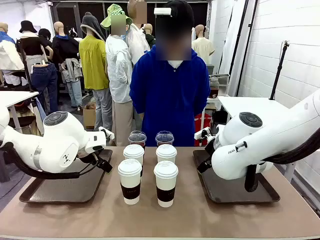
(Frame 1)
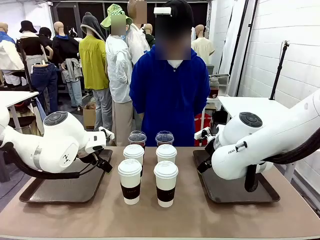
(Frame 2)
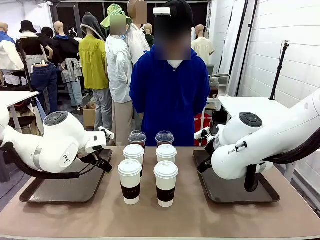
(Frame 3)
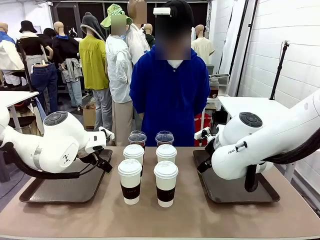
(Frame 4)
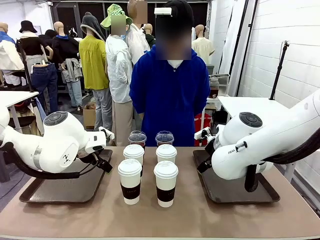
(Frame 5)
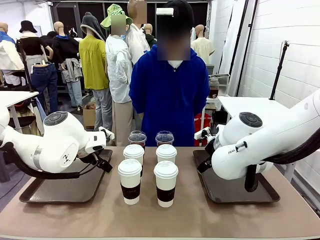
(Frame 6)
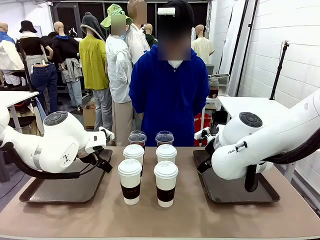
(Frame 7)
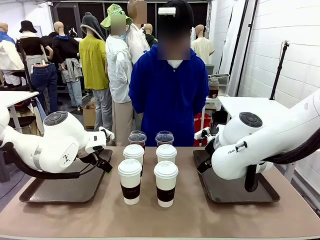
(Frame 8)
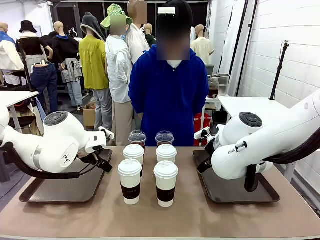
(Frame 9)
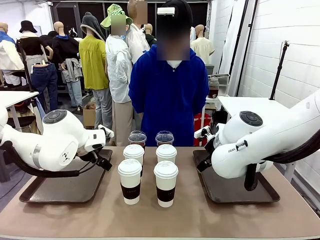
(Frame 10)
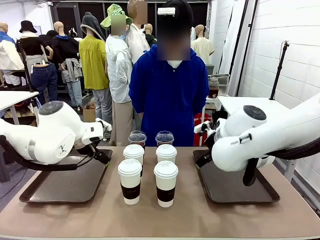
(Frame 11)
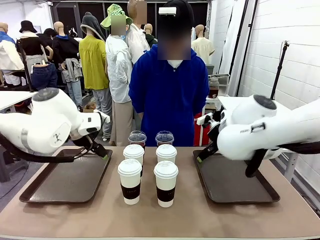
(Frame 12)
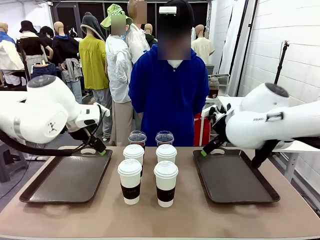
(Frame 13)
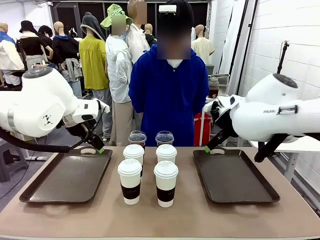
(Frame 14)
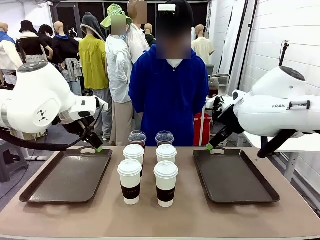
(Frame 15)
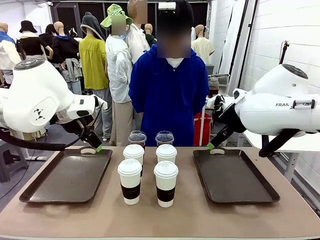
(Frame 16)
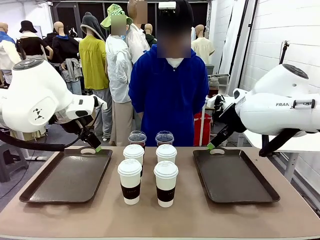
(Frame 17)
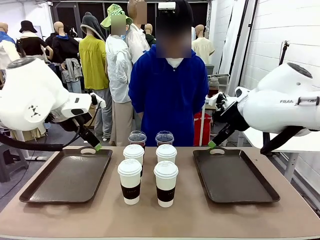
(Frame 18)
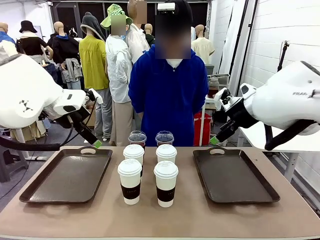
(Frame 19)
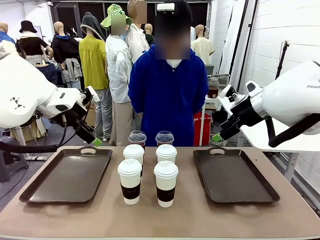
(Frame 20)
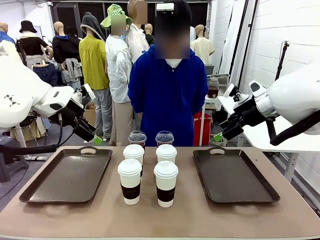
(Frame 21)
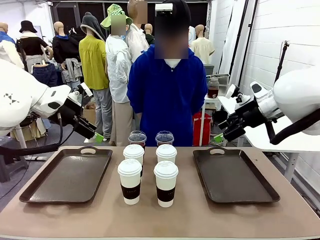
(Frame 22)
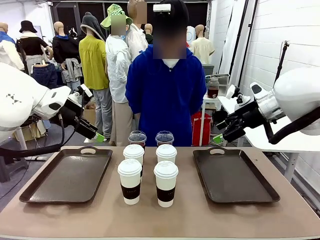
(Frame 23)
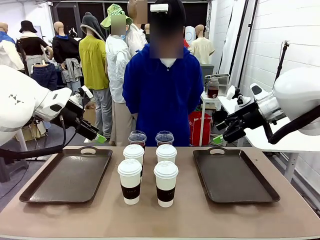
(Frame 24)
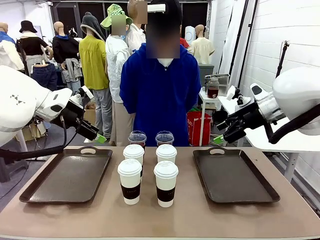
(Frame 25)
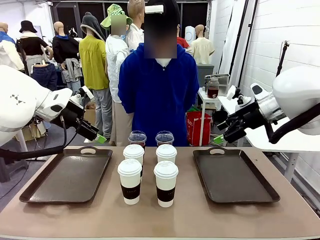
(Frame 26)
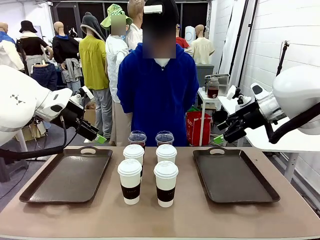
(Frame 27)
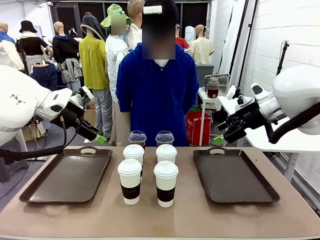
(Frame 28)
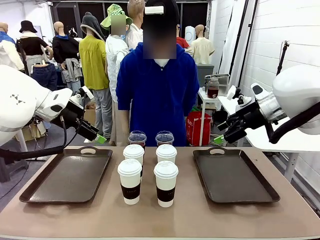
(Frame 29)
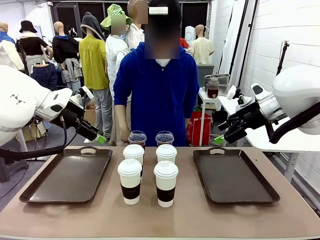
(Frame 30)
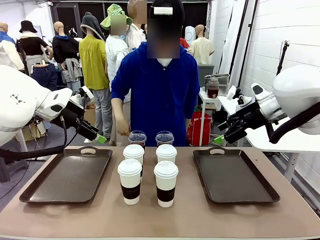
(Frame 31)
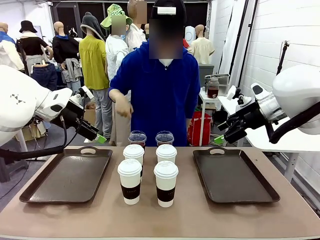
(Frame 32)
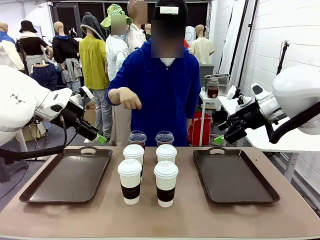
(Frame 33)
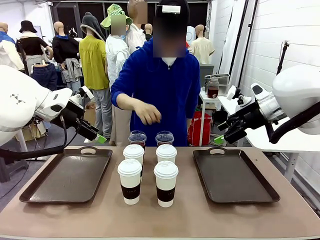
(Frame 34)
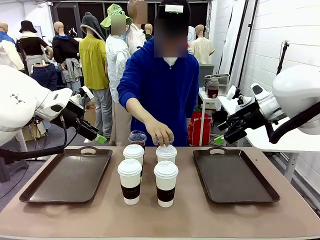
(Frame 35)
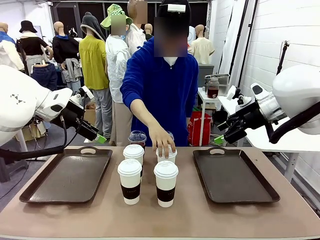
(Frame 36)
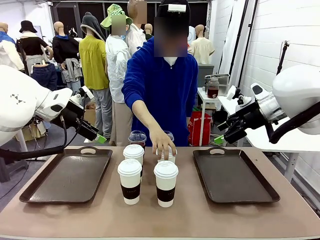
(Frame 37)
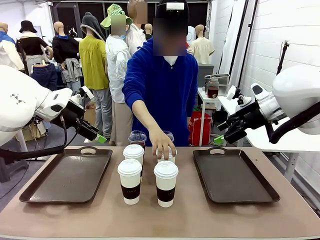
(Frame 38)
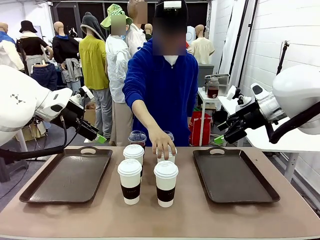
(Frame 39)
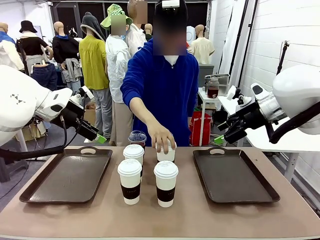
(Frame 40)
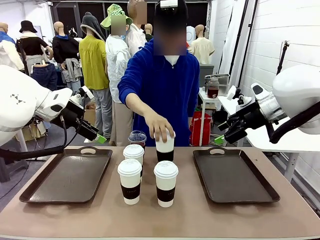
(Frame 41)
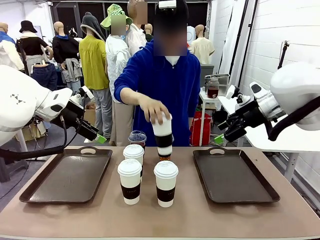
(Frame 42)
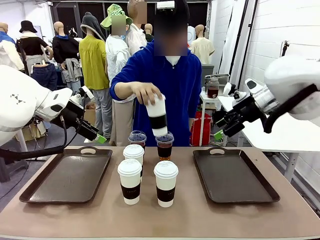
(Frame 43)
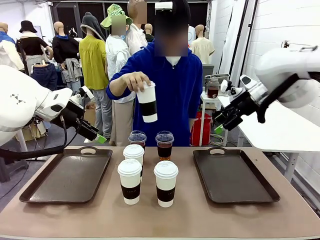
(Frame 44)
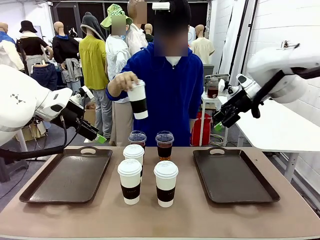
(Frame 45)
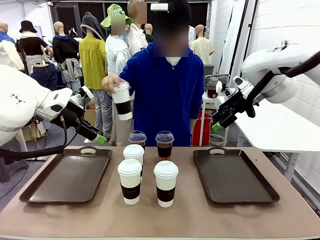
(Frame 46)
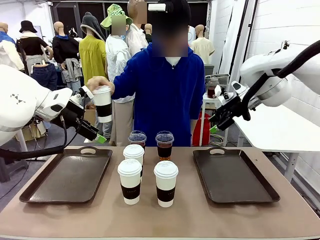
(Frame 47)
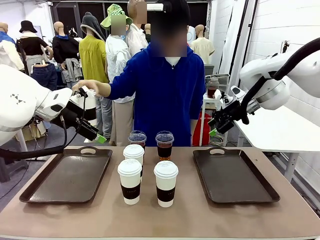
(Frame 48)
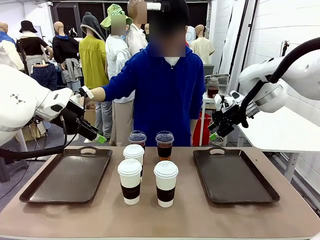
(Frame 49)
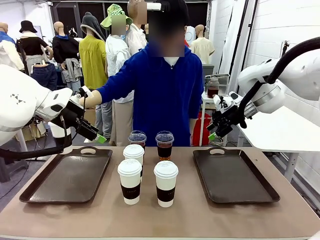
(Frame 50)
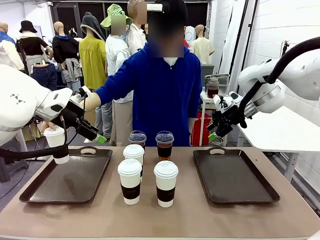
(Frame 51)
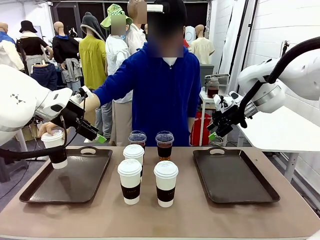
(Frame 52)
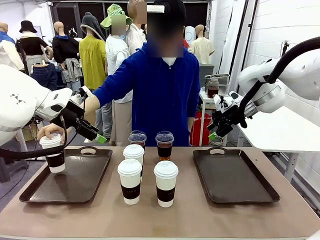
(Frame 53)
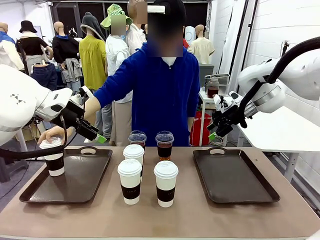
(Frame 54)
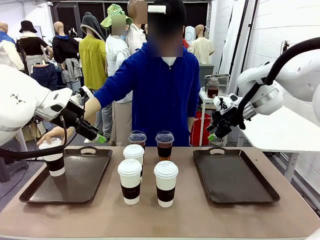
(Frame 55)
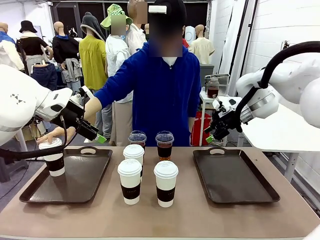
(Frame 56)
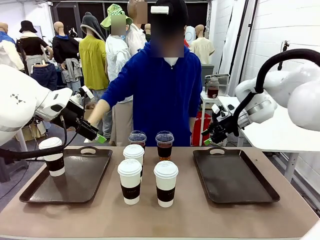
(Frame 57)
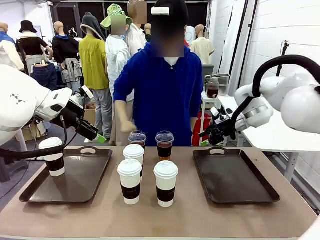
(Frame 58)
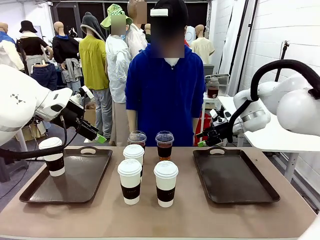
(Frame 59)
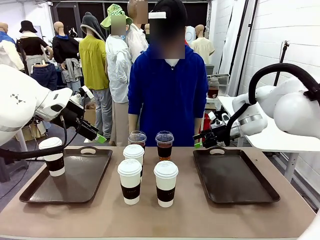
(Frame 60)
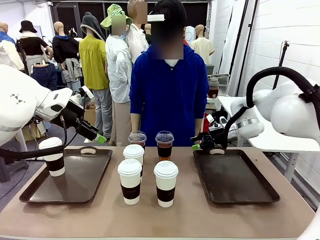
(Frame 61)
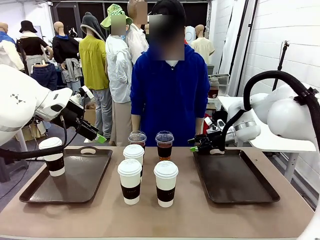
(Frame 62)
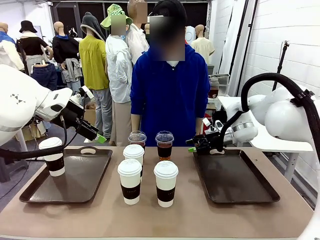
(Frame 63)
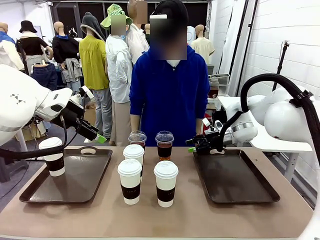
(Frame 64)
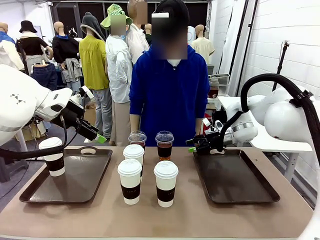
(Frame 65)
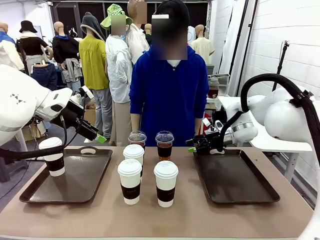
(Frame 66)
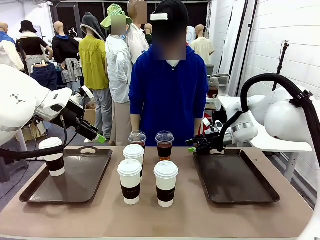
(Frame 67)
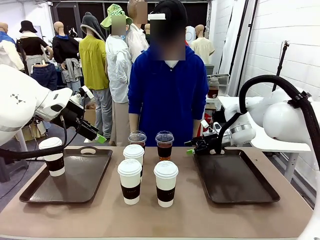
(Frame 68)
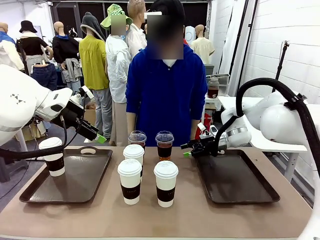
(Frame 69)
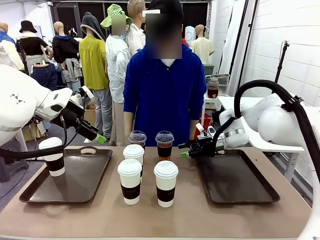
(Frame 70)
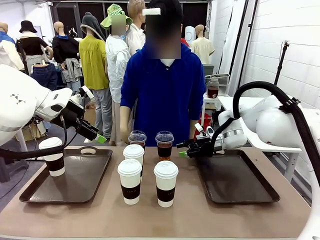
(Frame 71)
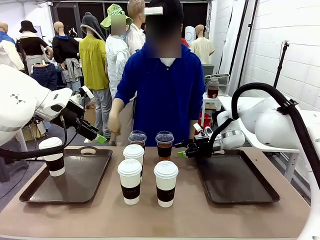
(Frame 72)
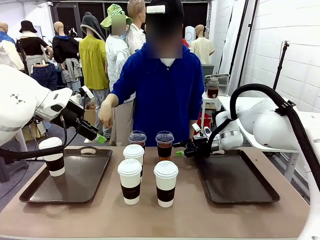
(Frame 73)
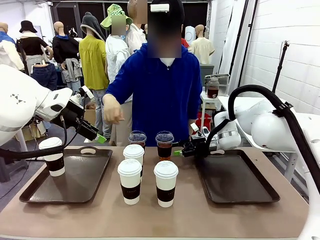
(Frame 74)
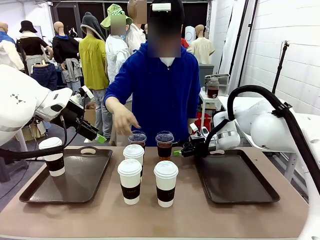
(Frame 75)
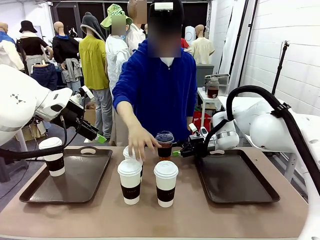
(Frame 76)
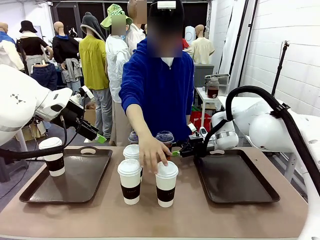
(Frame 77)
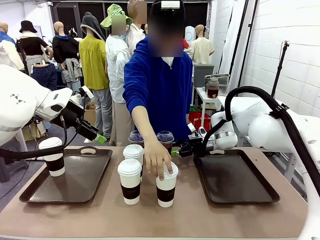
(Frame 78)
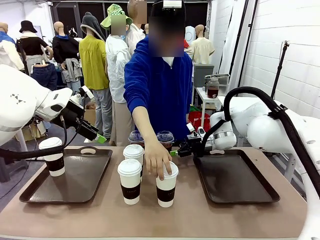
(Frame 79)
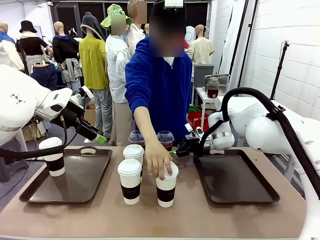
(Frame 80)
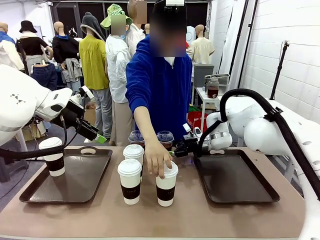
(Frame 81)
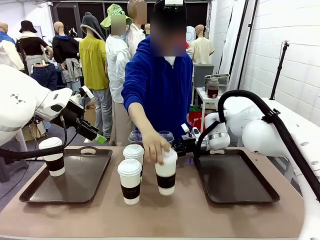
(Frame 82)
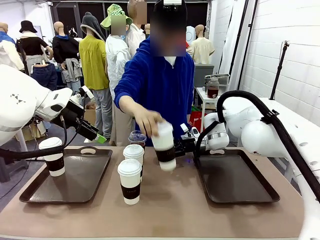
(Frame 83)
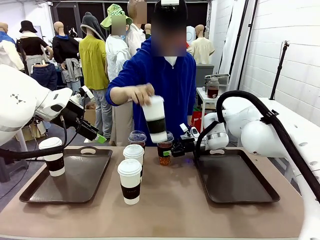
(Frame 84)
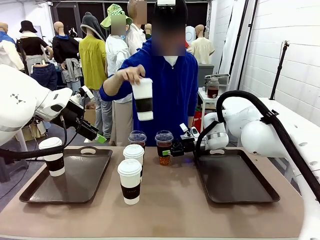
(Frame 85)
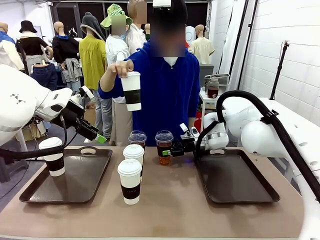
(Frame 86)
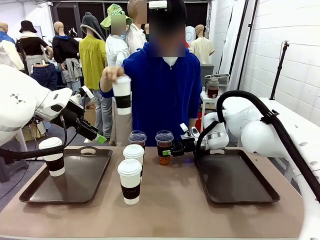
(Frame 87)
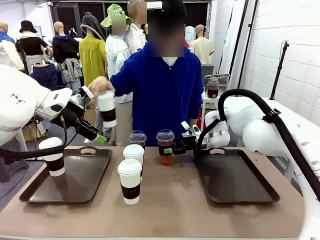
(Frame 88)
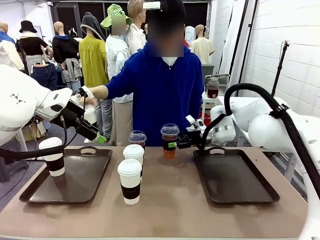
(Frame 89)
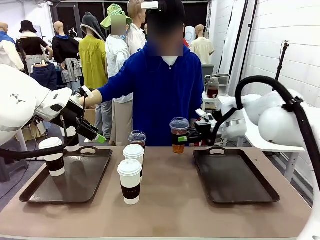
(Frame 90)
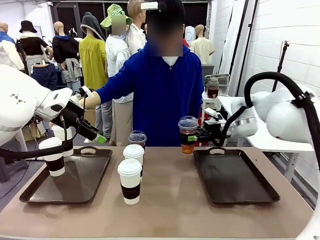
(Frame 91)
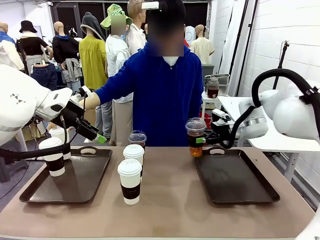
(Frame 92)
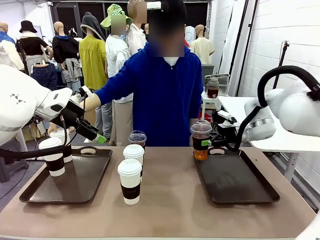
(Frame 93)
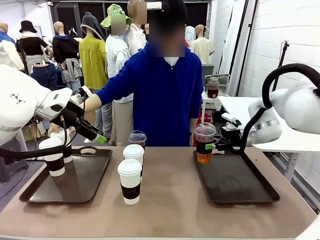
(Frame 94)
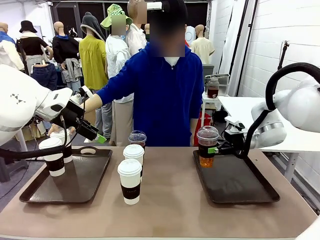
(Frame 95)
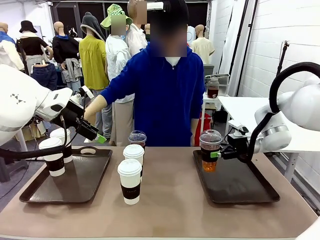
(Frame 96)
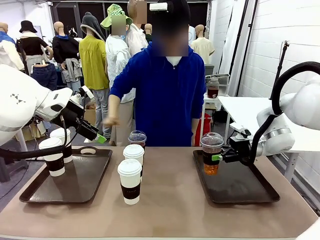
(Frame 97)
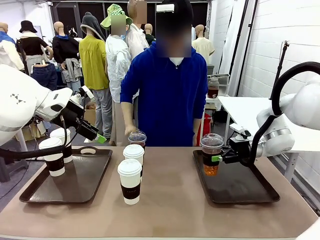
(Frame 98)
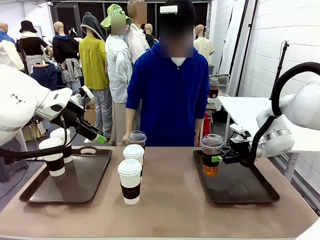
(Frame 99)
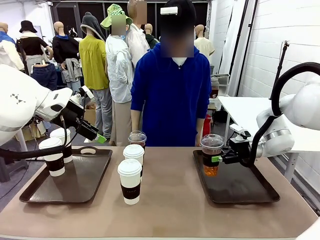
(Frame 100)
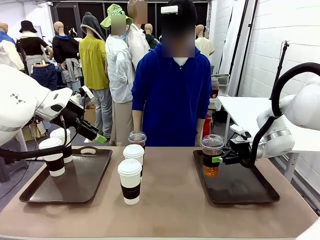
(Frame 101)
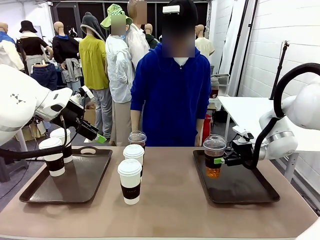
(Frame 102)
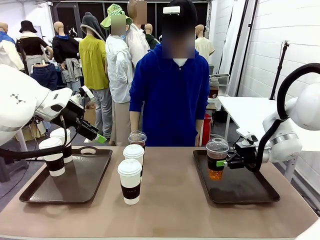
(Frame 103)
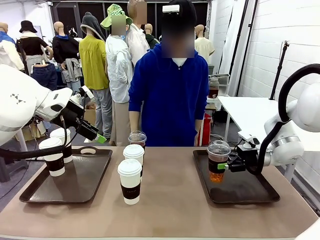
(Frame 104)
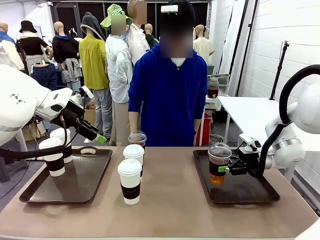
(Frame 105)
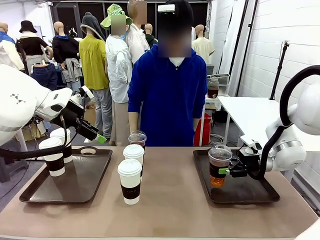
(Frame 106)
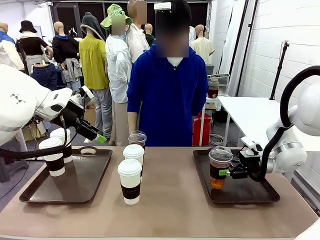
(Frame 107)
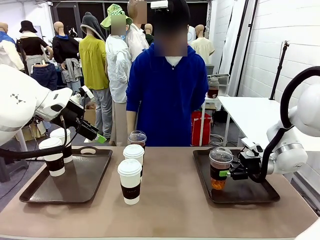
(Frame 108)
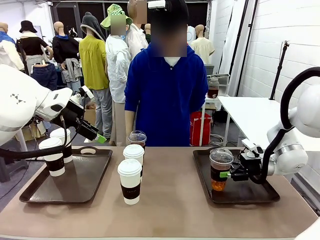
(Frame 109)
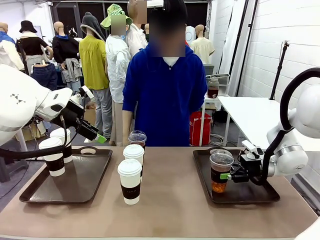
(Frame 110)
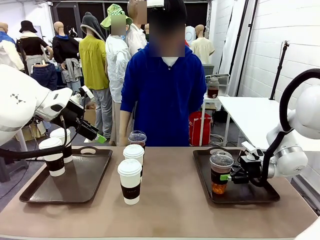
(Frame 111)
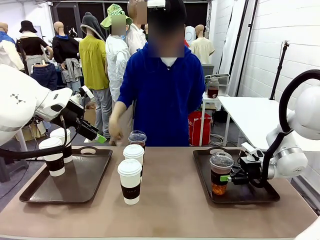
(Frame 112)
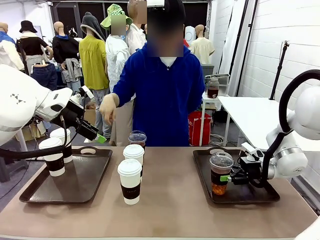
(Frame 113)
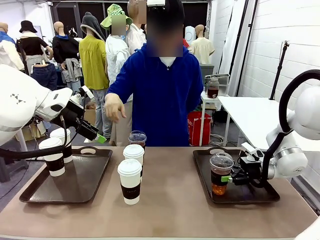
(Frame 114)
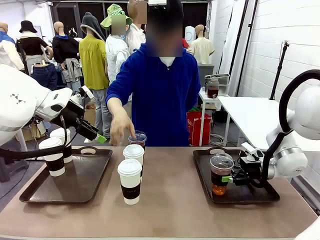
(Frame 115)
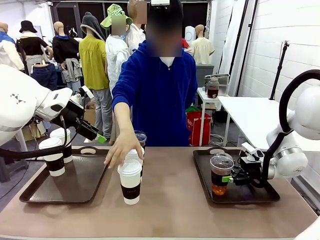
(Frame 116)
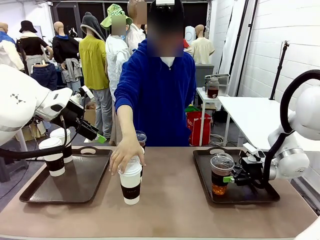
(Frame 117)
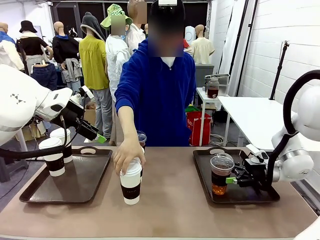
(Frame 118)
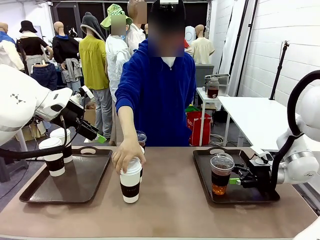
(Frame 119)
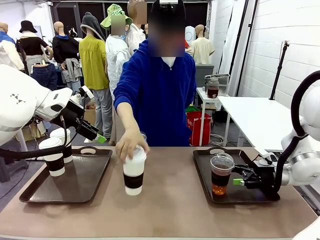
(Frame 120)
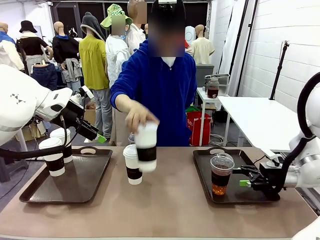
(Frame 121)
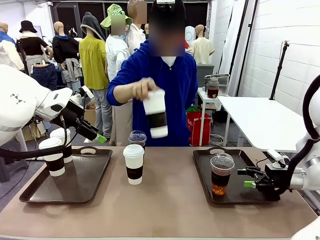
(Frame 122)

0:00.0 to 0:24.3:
Task: Distribute the coffee onto the tray.
Robot: Pick up one iced Americano and place it on the right Handle tray.
Person: Pick up a cup of hot Americano and place it on the right tray.
